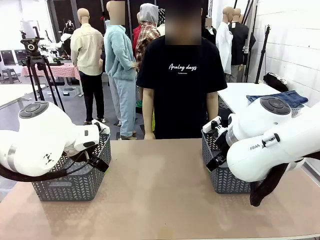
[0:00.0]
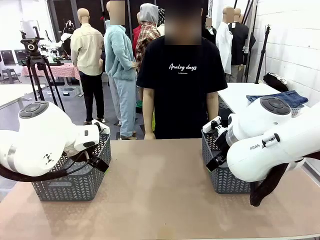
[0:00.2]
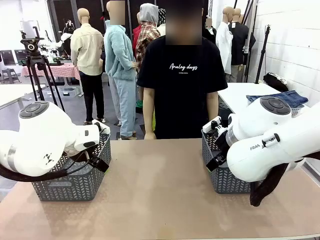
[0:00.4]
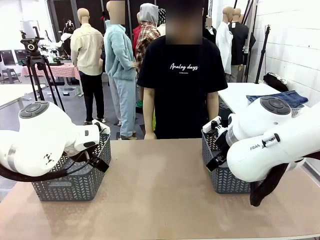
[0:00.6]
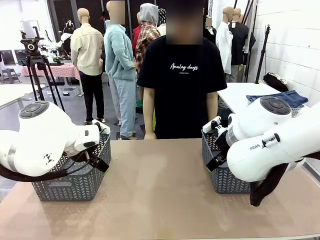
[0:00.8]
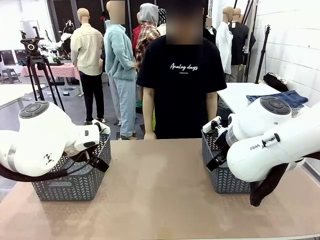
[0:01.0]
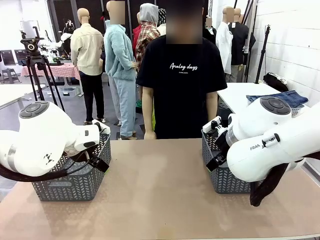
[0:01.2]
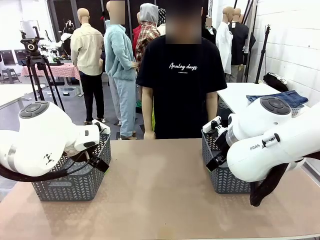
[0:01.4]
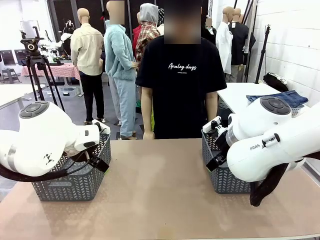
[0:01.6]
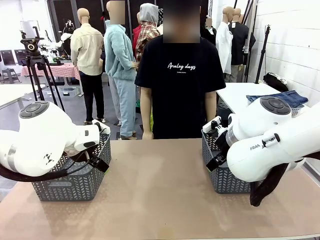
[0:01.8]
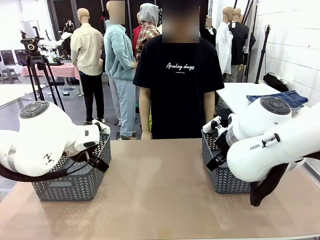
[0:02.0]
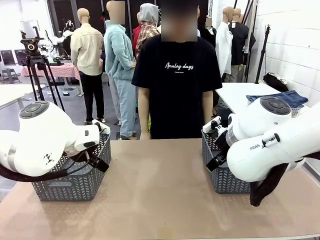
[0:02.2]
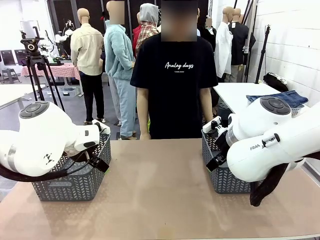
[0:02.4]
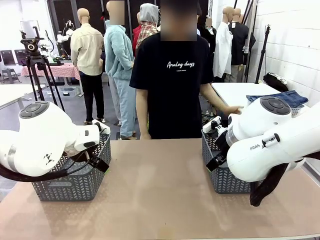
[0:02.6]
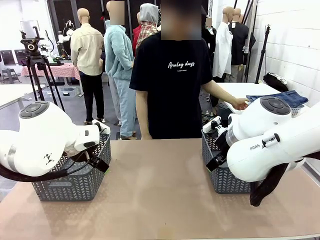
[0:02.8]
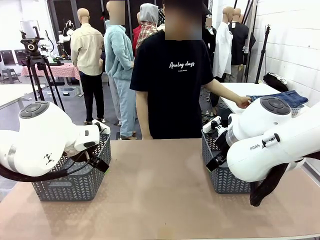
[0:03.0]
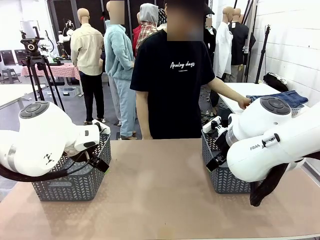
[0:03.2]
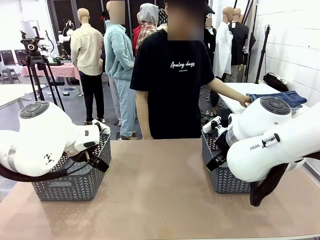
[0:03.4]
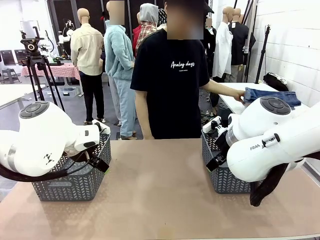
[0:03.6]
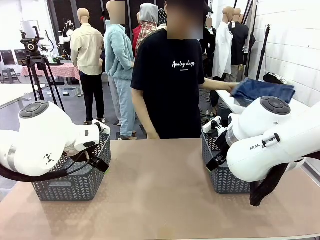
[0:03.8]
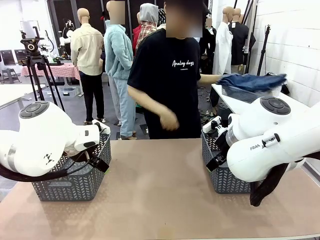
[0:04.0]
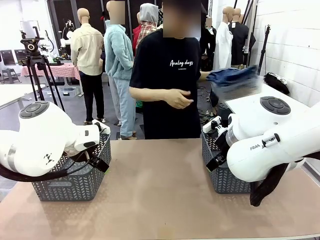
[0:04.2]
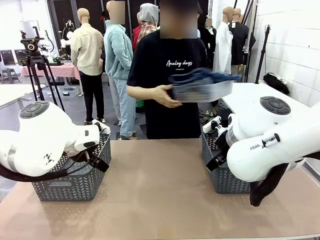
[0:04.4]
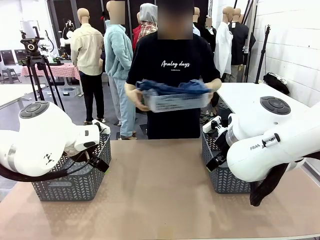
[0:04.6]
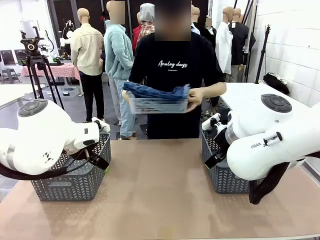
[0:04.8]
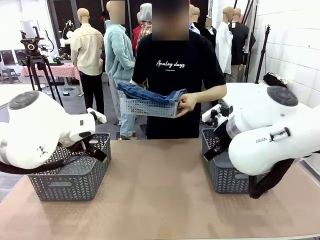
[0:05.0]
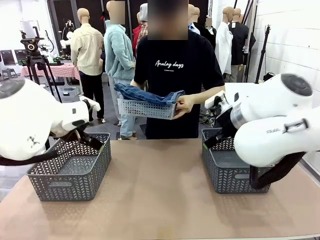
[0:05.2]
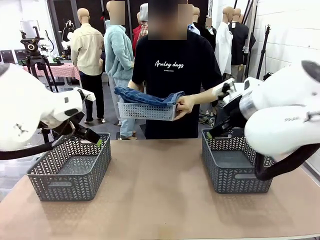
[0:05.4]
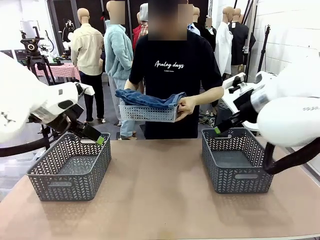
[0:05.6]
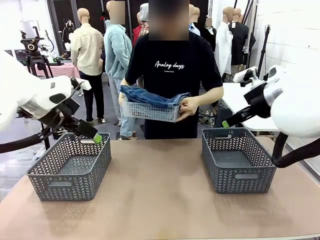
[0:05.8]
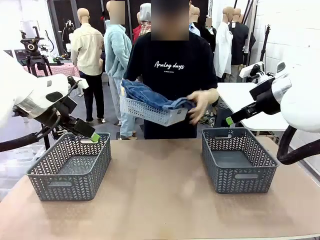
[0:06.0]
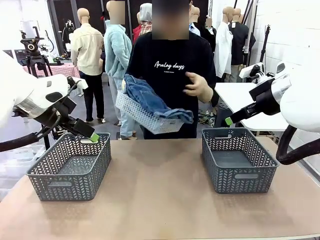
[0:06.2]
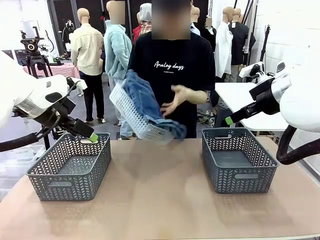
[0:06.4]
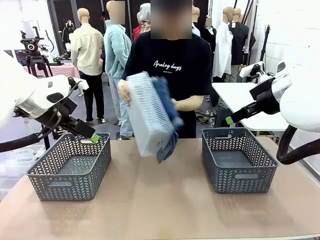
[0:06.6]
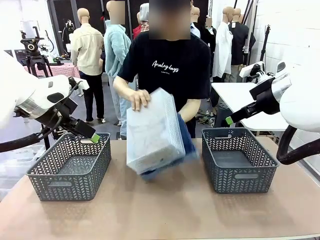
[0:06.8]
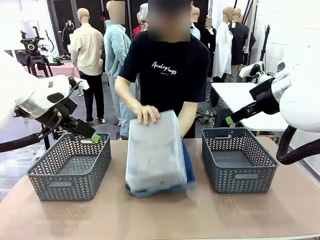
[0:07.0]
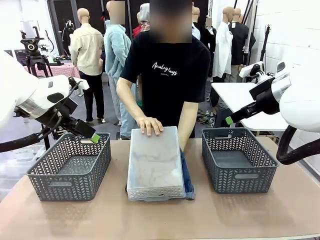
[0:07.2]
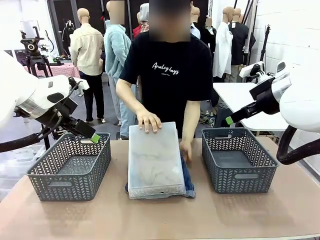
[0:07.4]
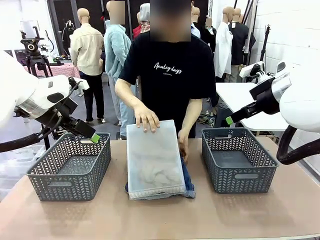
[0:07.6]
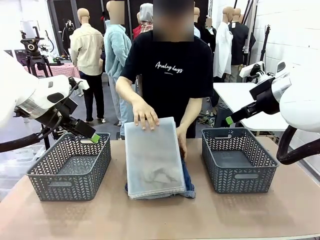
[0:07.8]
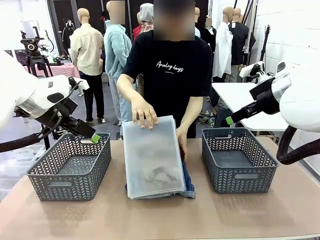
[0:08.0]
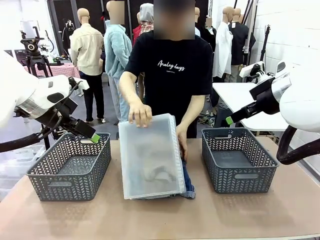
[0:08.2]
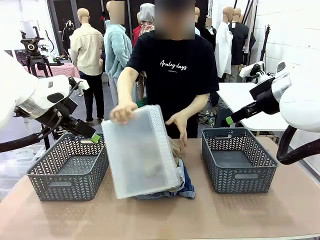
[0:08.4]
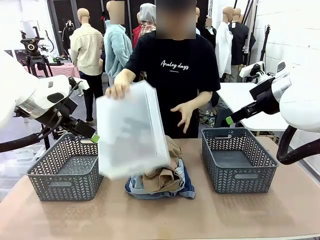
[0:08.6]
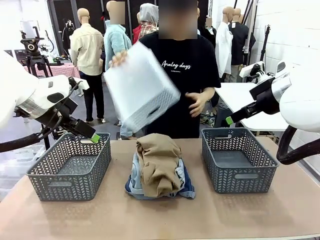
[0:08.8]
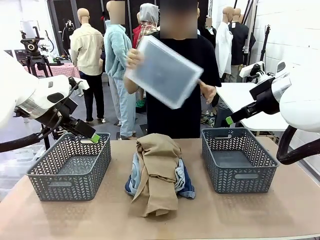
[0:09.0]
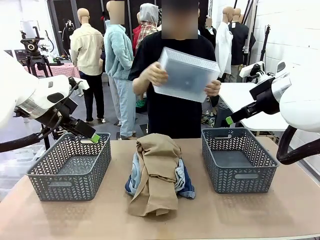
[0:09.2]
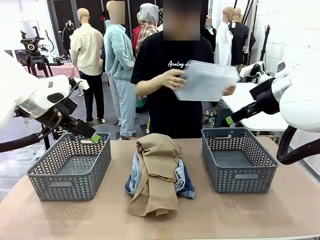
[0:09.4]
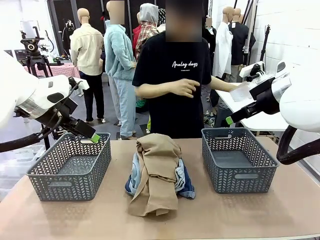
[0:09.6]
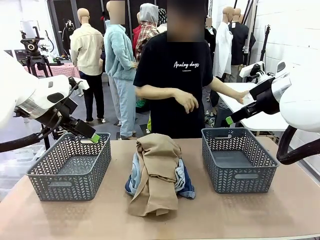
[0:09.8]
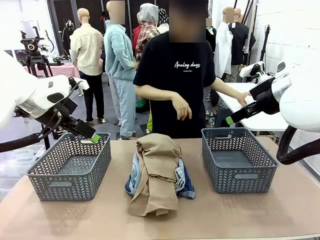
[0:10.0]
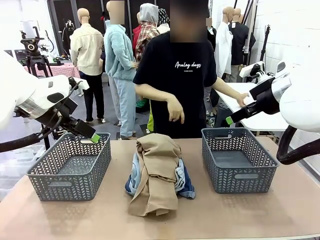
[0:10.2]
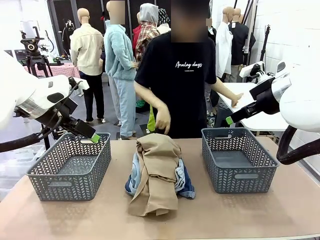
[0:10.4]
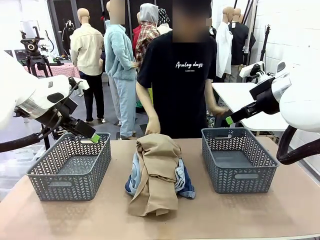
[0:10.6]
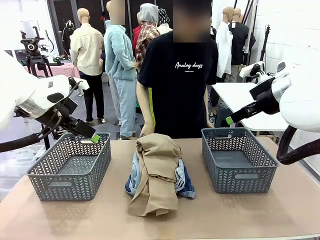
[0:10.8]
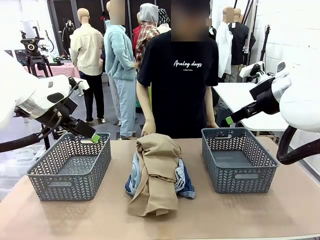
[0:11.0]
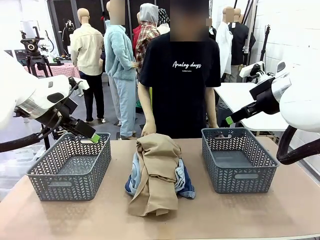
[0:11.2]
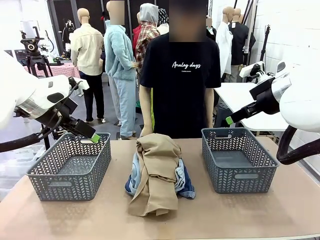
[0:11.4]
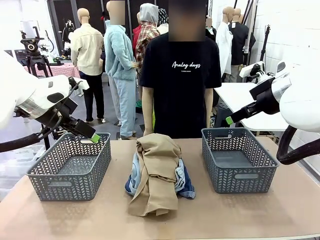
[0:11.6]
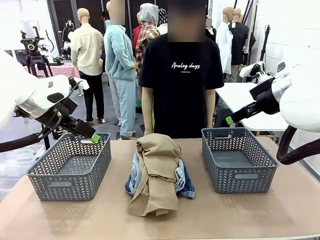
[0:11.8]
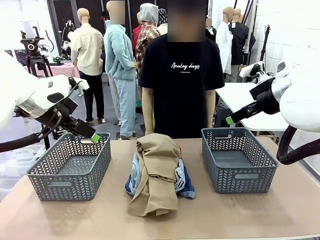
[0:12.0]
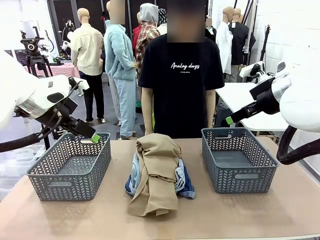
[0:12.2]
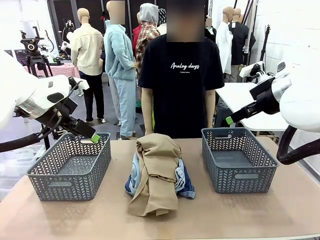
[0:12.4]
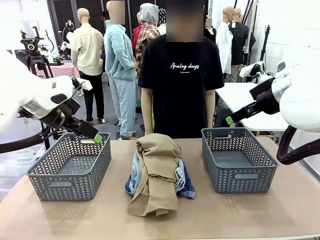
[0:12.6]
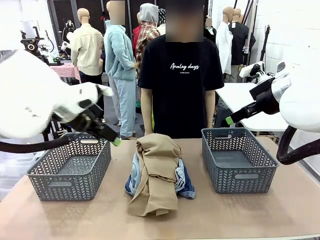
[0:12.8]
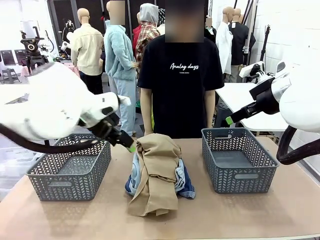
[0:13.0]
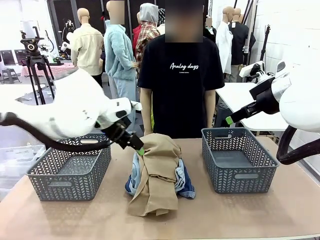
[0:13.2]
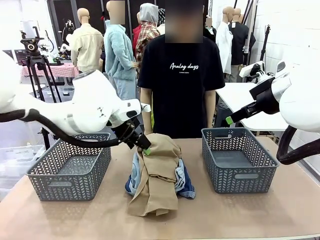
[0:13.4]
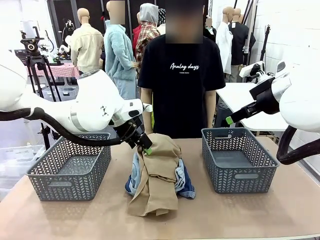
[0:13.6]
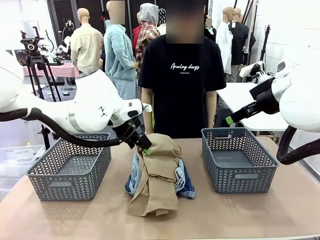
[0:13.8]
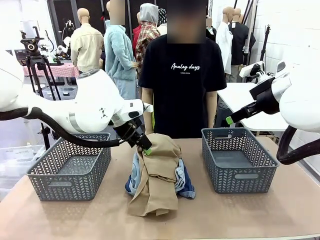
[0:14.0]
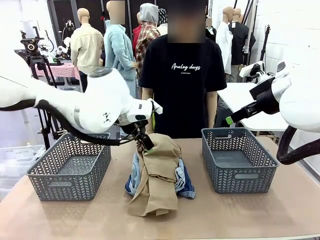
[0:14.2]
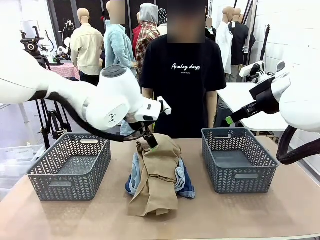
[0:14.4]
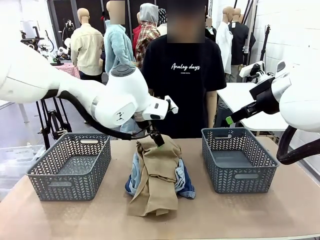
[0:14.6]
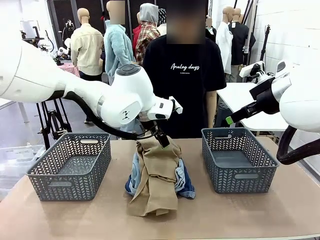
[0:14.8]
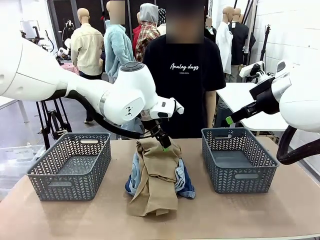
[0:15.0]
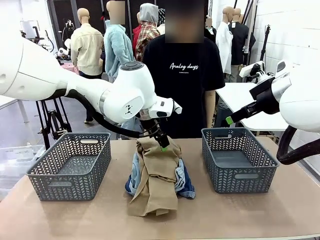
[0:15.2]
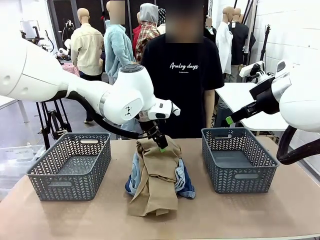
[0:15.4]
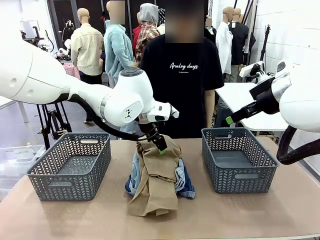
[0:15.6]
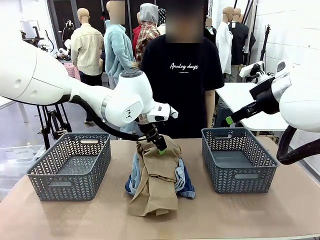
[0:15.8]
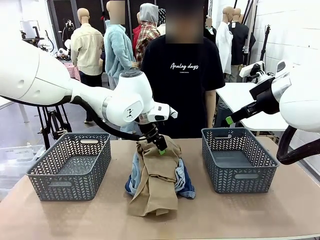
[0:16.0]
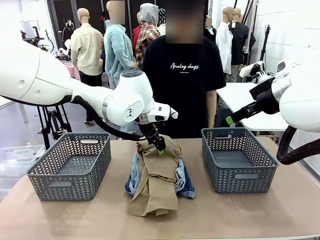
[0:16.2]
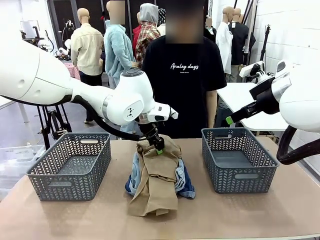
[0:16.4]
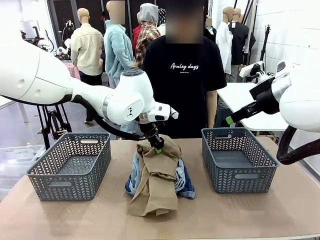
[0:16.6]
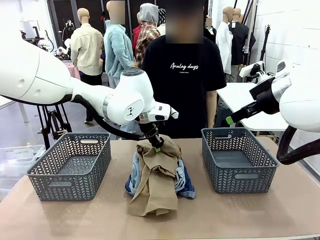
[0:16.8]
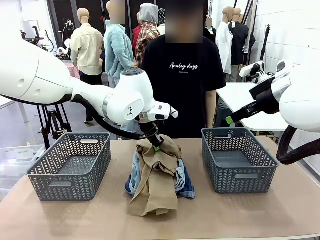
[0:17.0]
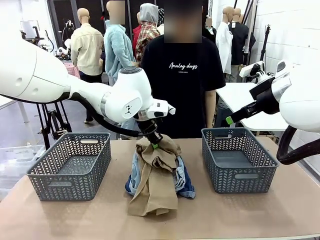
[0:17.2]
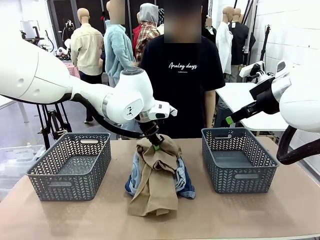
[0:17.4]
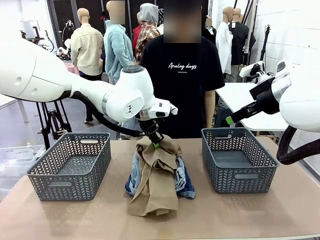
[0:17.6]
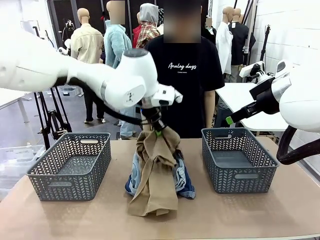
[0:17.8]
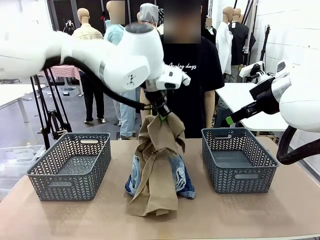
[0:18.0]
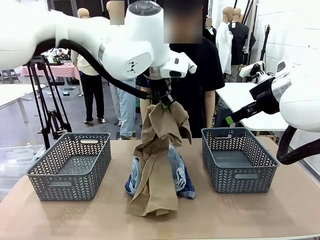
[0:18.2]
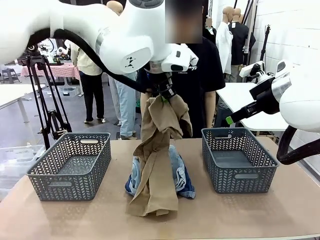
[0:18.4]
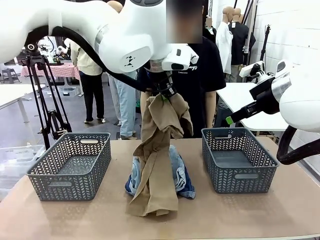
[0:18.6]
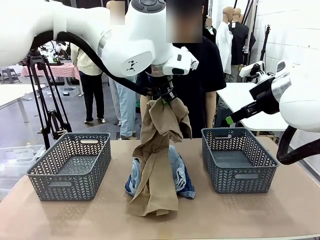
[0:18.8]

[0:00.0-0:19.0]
Task: Sort the tops and bottoms.
Robot: Lift clothes from the center of the table with your left hand.
Person: Pour the clothes from the basket onto the center of the robot table.
